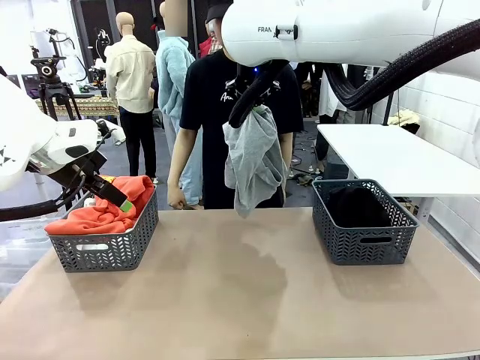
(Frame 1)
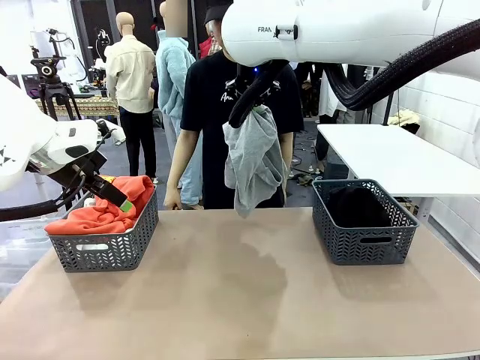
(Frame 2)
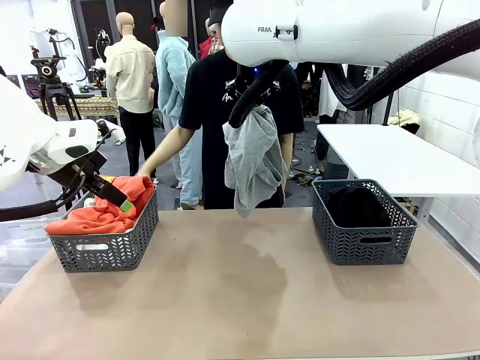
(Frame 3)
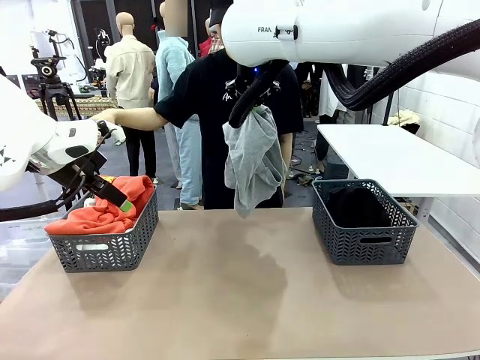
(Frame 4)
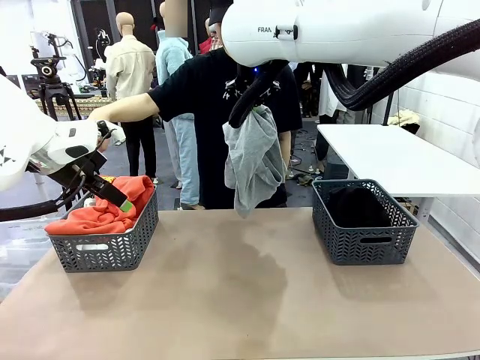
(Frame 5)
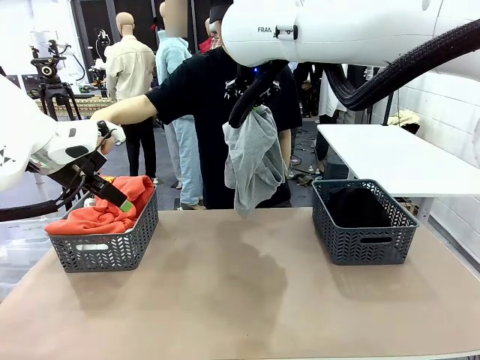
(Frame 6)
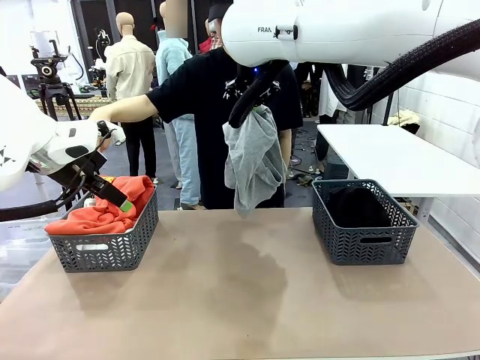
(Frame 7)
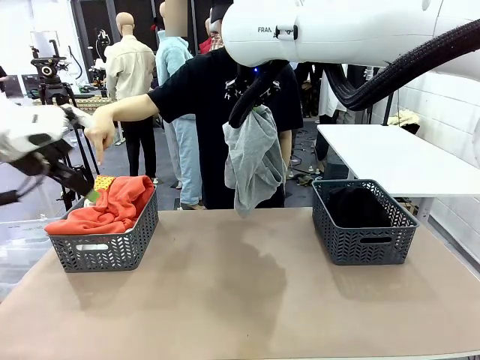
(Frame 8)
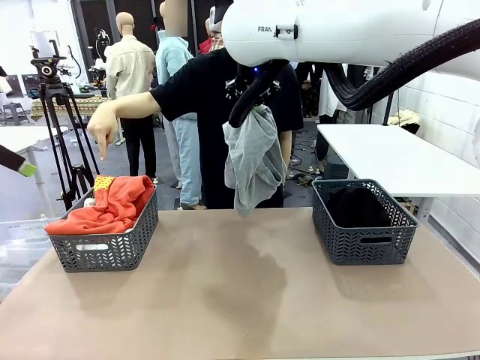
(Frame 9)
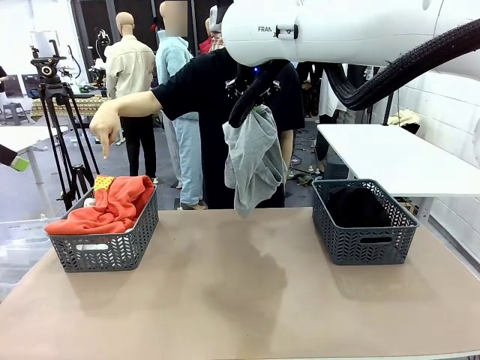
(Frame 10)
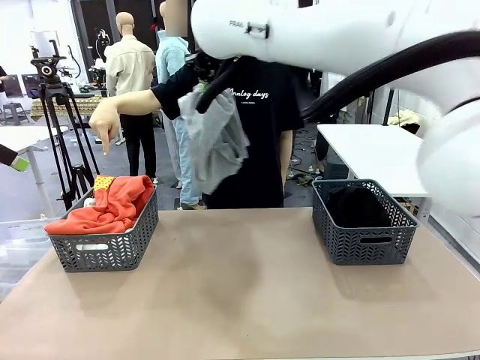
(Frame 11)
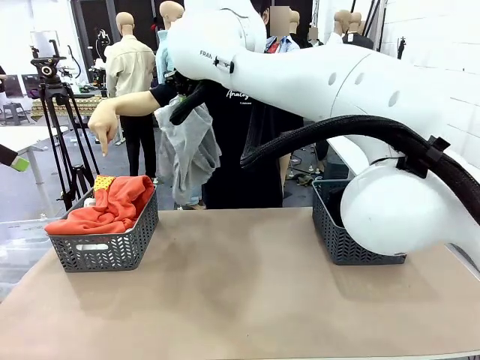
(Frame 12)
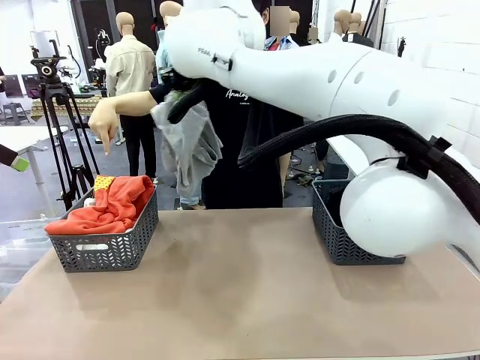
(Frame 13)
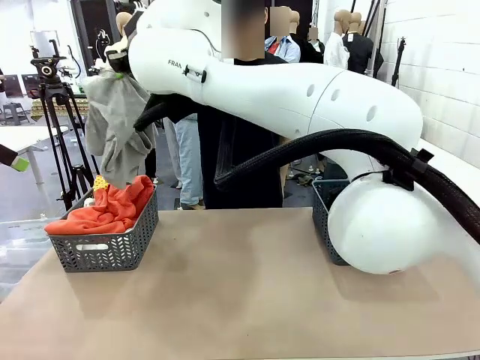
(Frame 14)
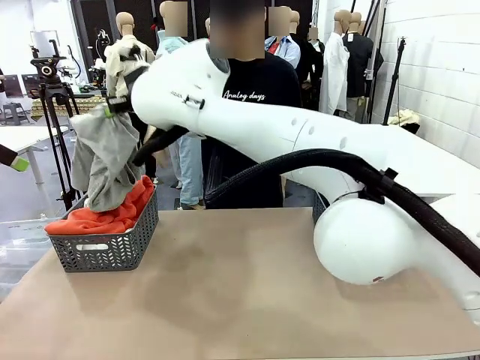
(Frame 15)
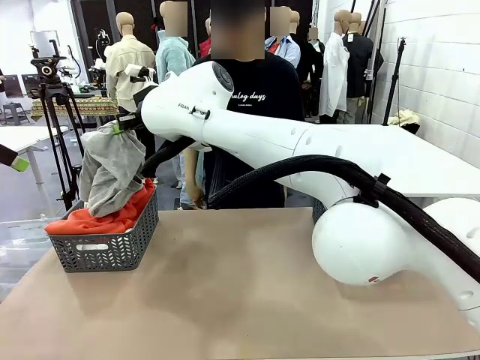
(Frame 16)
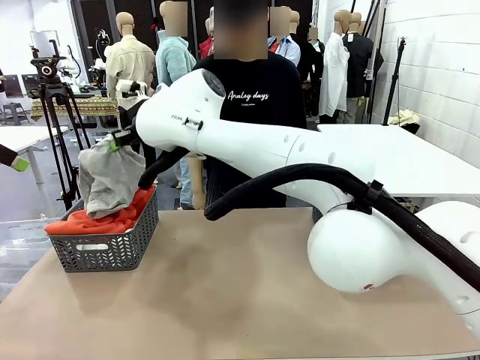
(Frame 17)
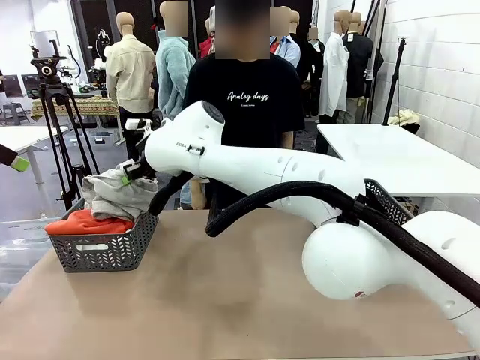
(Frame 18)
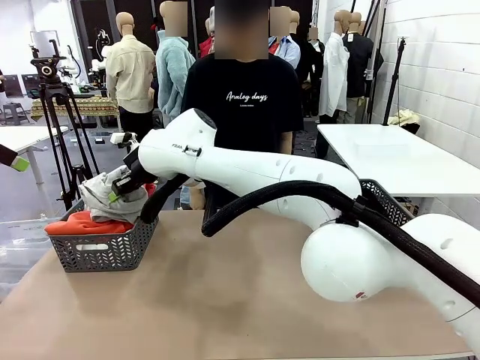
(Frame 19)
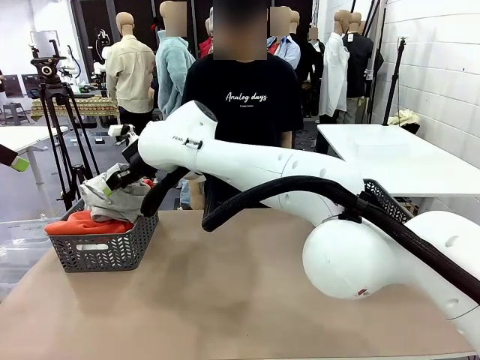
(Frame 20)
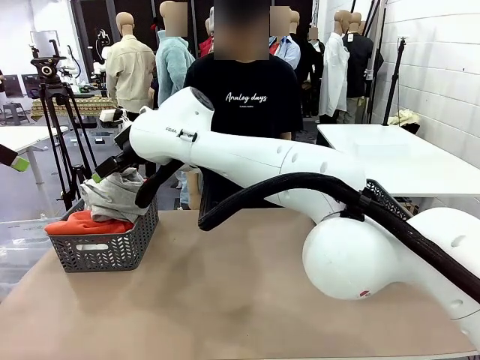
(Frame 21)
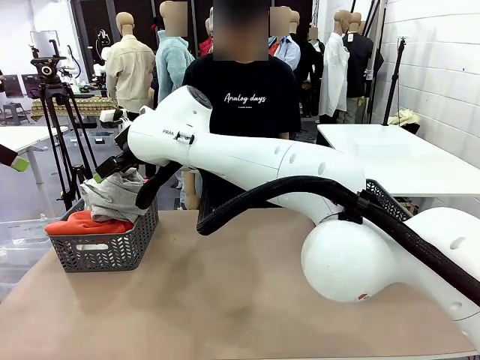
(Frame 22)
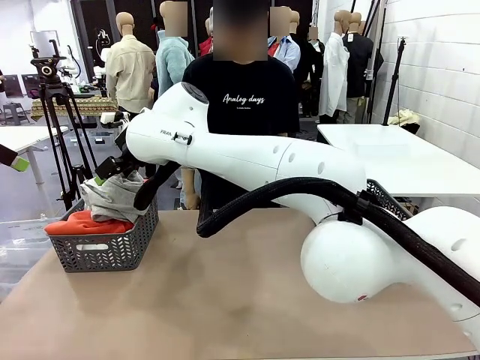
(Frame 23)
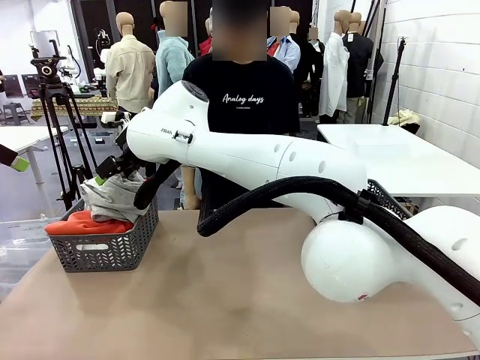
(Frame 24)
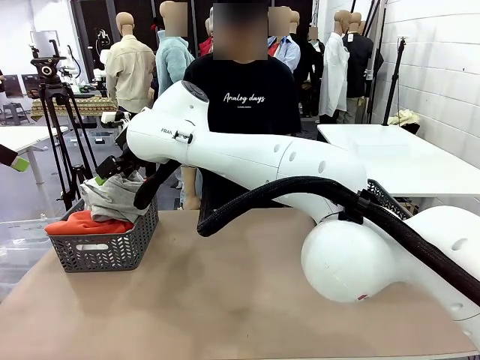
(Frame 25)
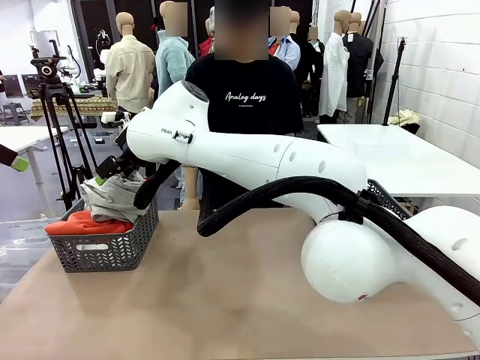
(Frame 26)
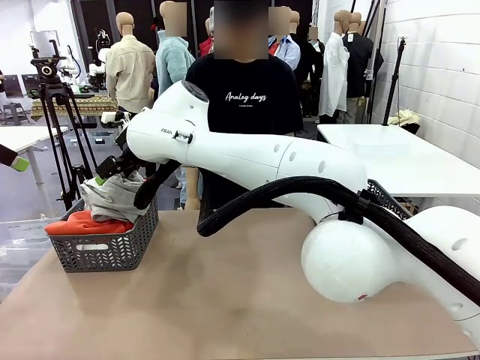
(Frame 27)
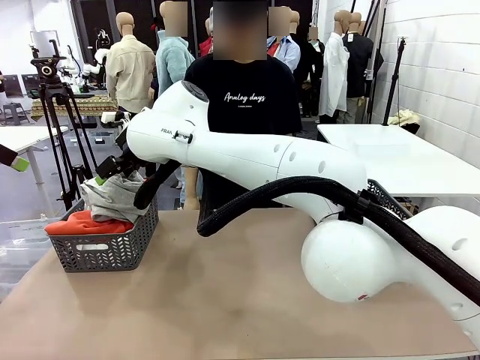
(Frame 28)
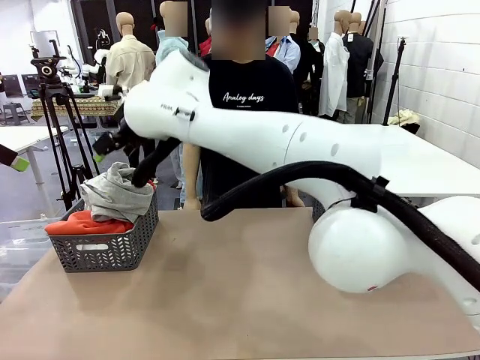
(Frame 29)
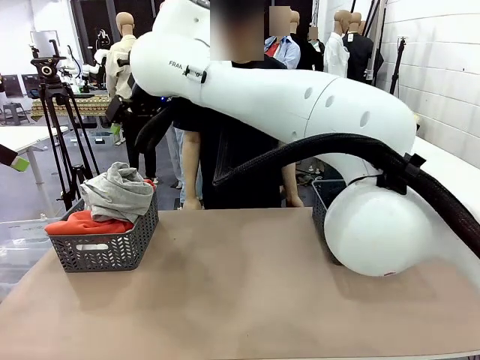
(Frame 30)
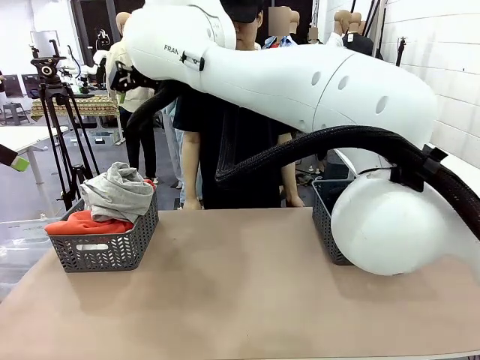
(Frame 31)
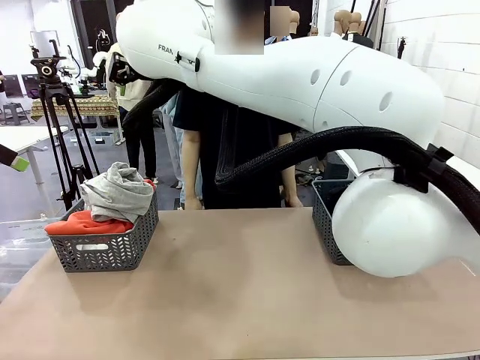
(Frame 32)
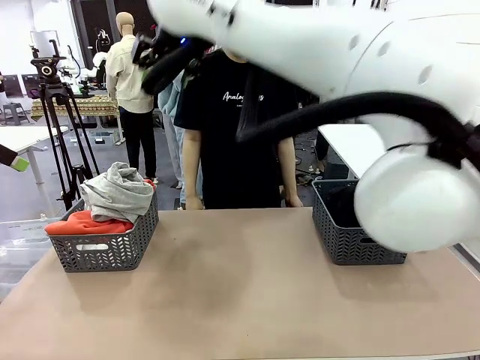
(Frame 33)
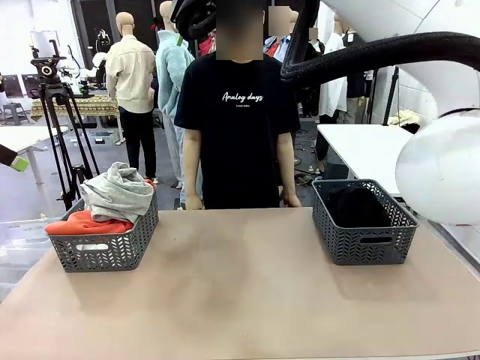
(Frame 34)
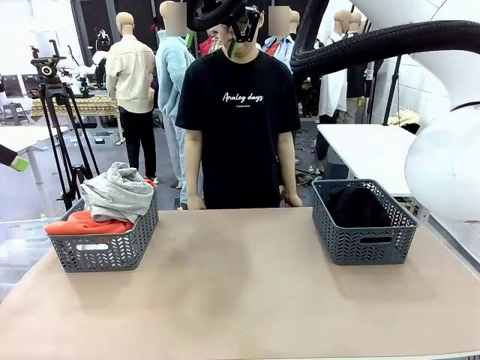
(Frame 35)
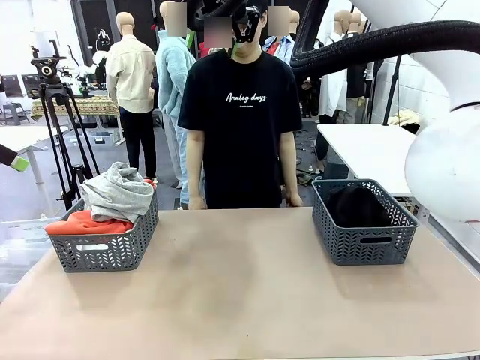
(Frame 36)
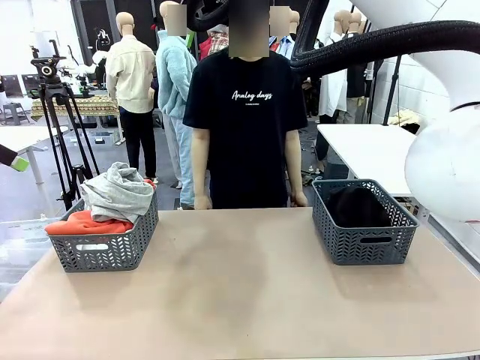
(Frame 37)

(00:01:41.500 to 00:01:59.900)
Task: Sort the tops and bottoms.
Robot: Sort the clothes according to human instructions.

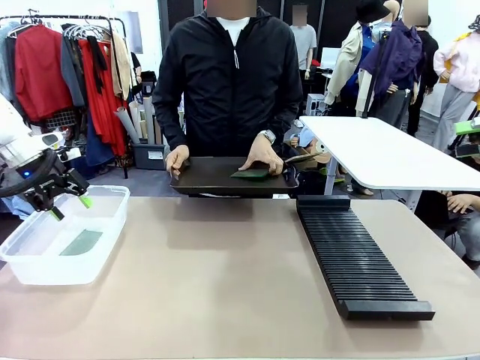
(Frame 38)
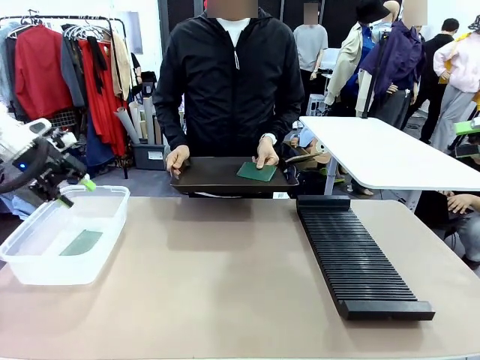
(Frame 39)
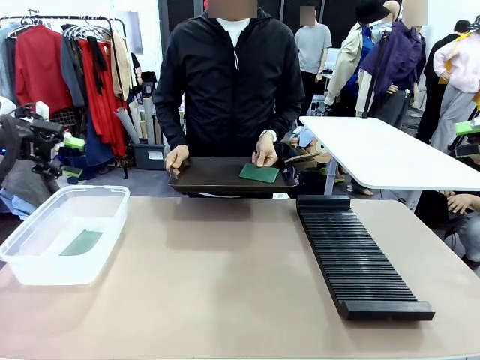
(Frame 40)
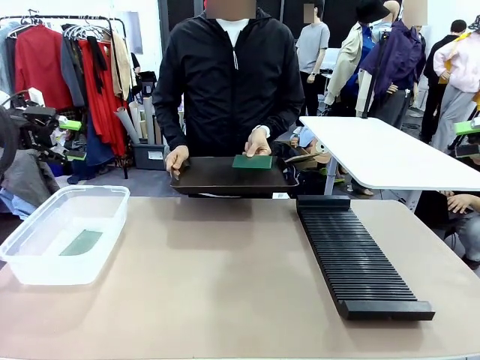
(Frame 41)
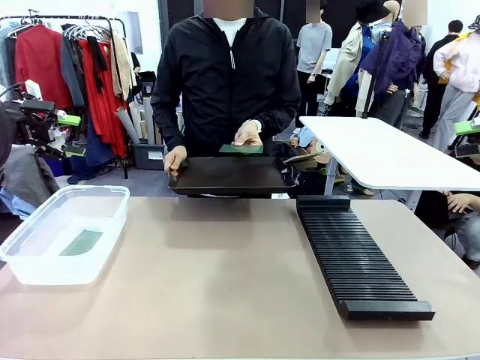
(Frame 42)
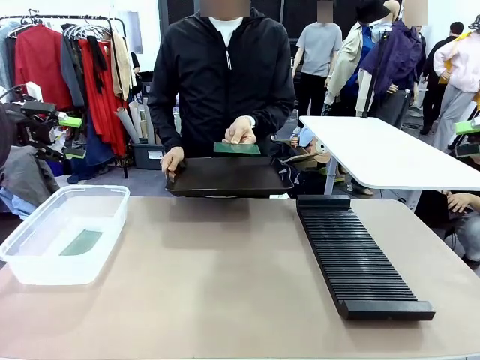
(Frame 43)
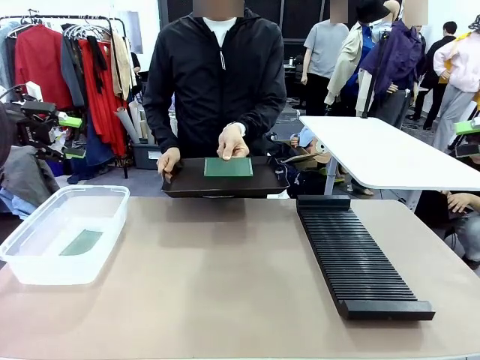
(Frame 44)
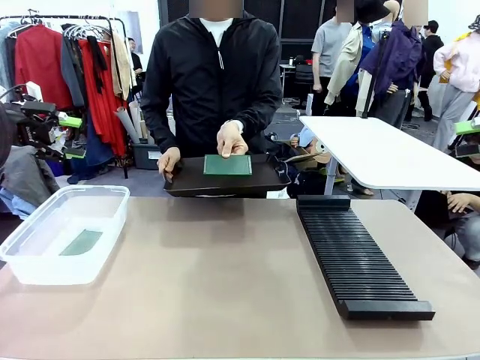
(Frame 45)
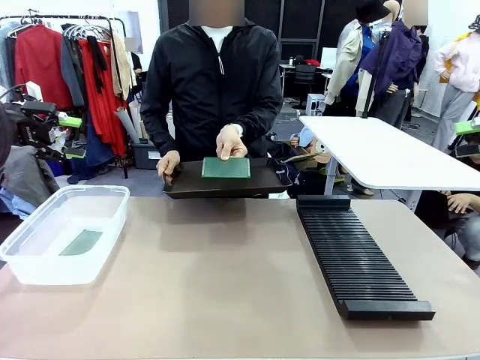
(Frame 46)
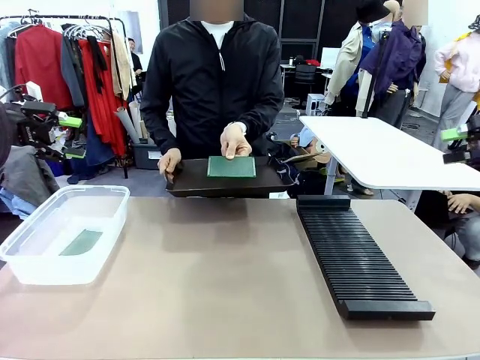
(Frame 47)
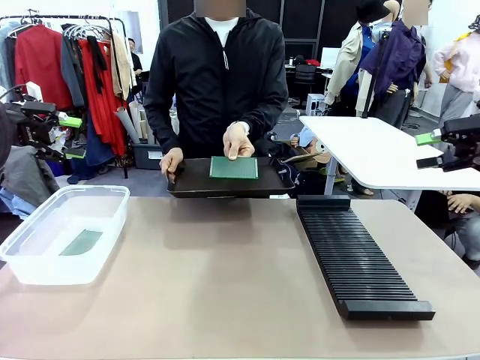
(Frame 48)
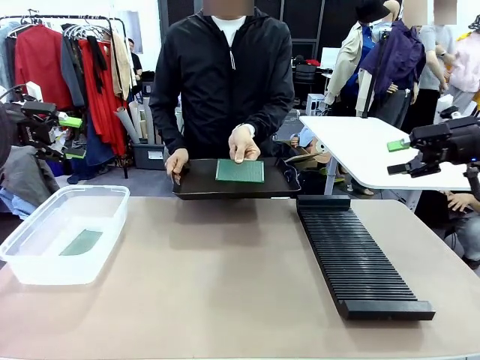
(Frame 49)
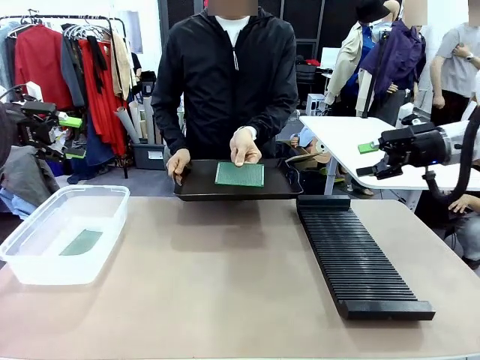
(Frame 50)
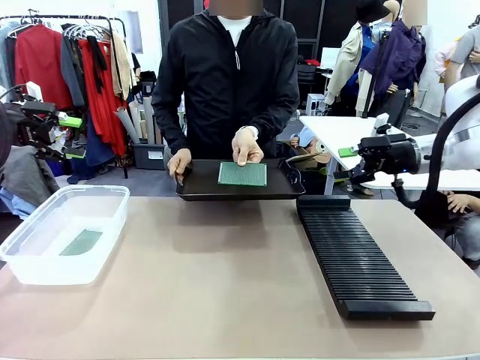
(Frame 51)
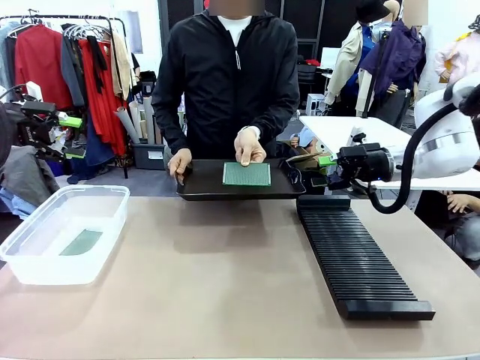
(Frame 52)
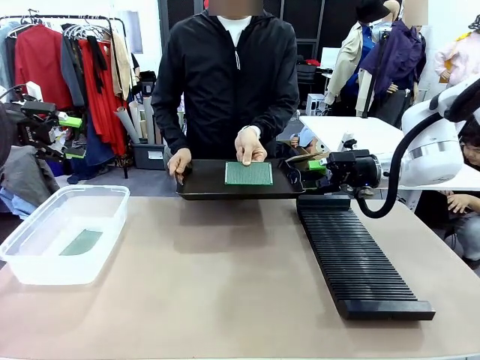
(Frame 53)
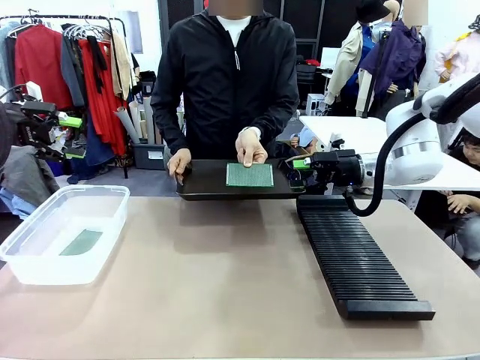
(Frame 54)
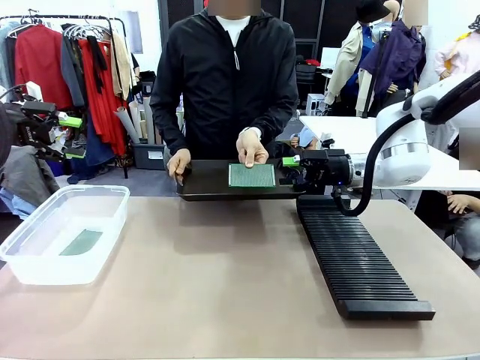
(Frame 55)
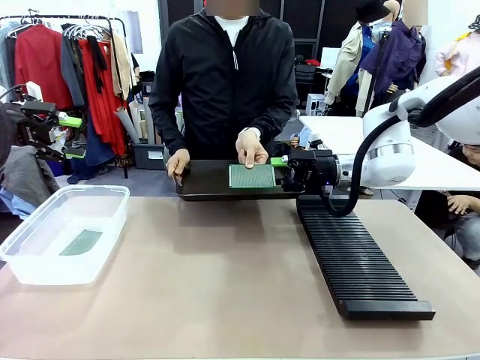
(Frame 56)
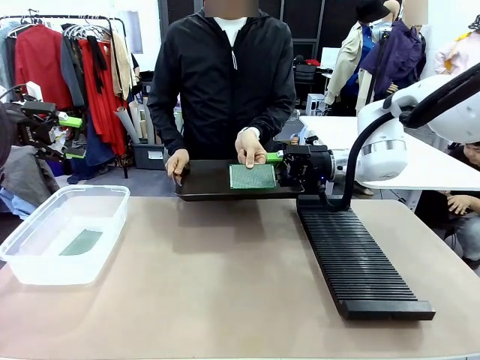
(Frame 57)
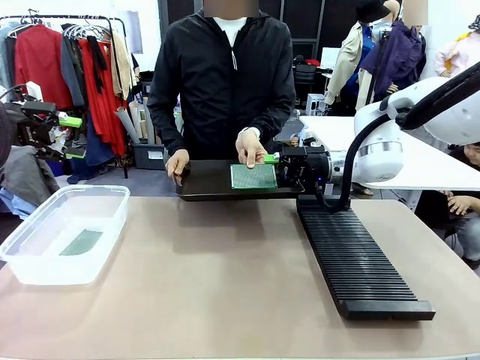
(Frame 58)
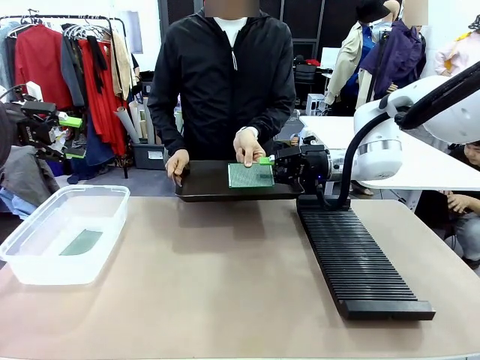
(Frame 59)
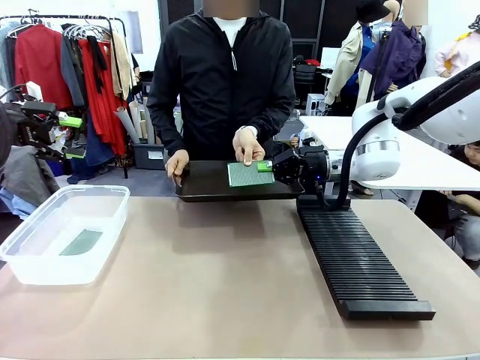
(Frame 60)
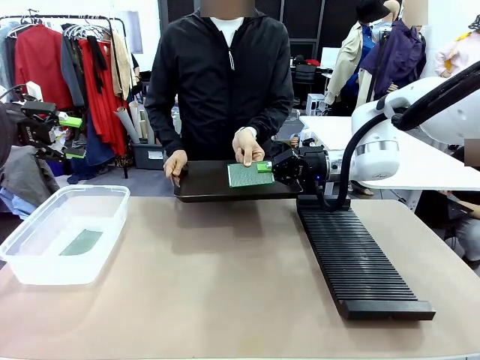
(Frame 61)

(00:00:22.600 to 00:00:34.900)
Task: Sort PCBs into racks and boxes based on the side picked up.
Robot: Pick up the Blank PCB handed by the Human.
